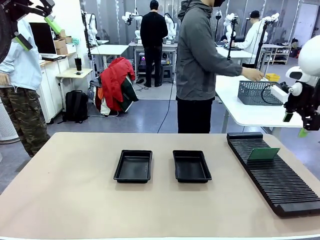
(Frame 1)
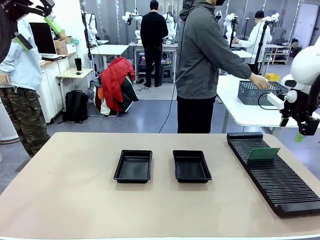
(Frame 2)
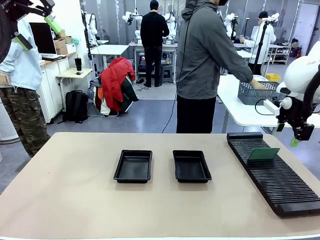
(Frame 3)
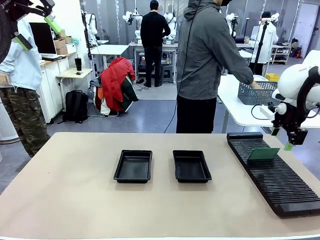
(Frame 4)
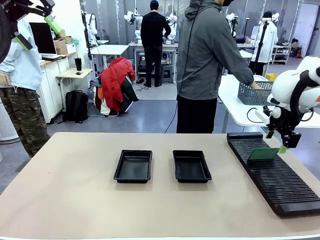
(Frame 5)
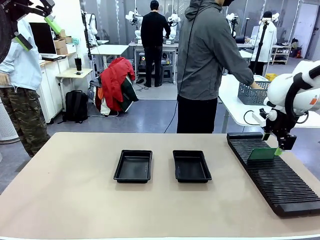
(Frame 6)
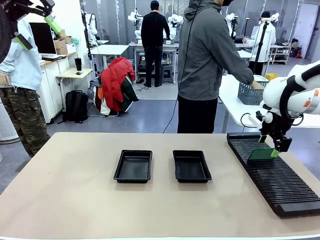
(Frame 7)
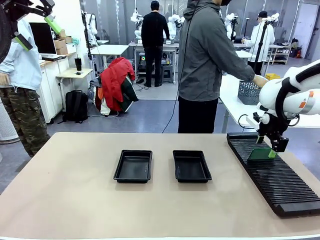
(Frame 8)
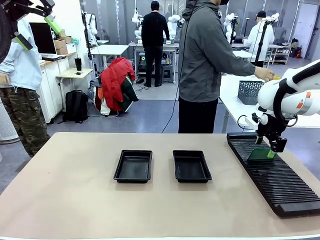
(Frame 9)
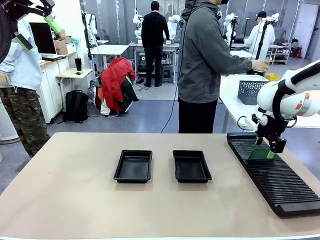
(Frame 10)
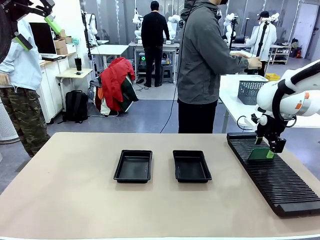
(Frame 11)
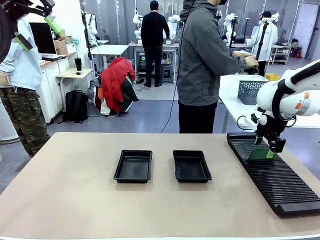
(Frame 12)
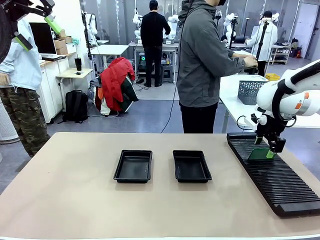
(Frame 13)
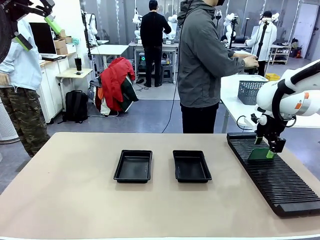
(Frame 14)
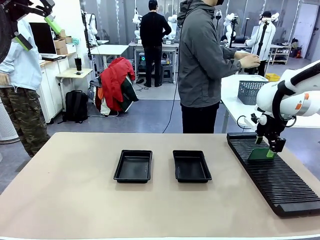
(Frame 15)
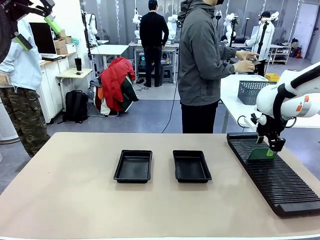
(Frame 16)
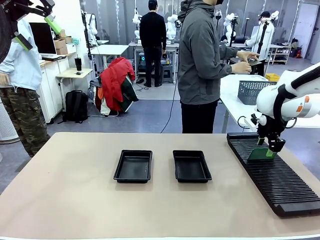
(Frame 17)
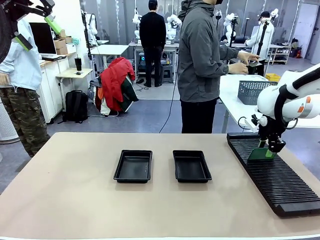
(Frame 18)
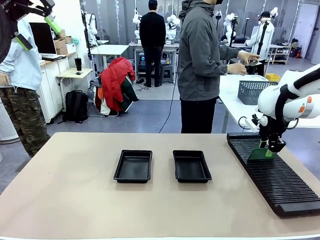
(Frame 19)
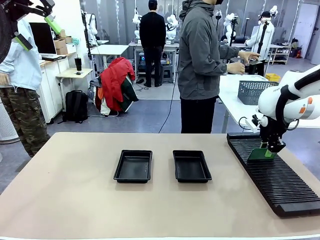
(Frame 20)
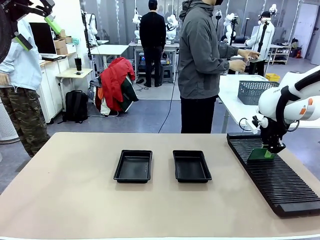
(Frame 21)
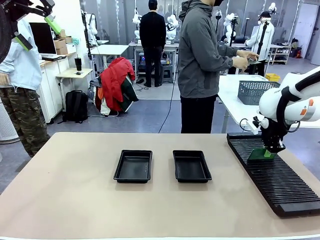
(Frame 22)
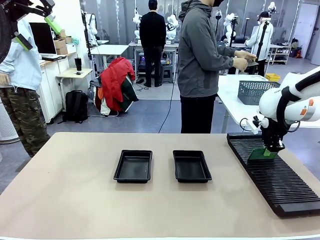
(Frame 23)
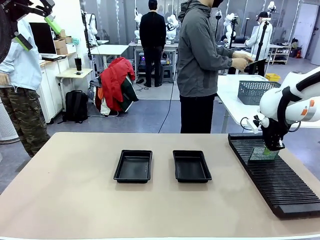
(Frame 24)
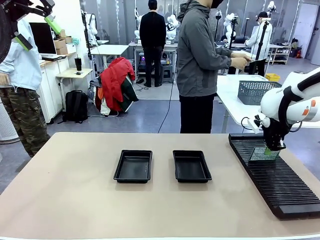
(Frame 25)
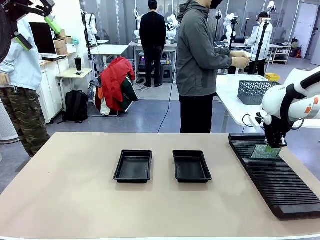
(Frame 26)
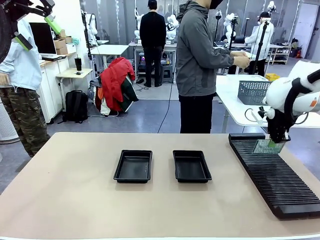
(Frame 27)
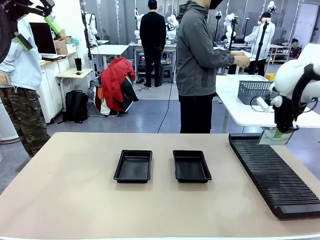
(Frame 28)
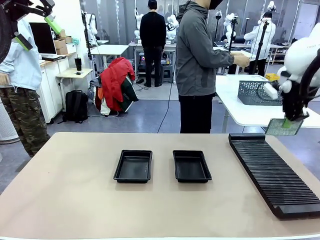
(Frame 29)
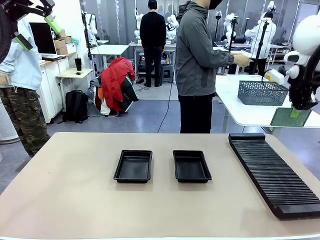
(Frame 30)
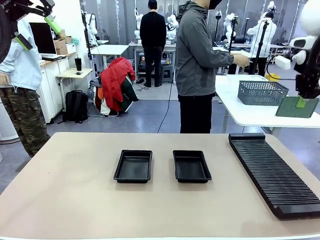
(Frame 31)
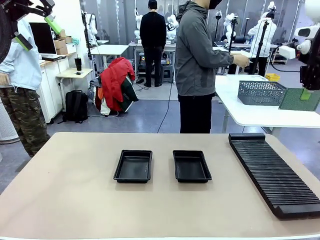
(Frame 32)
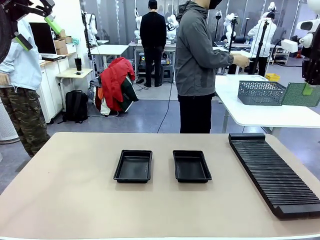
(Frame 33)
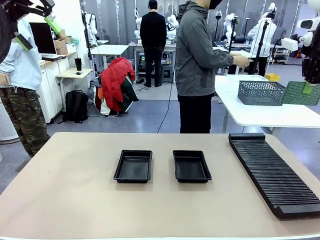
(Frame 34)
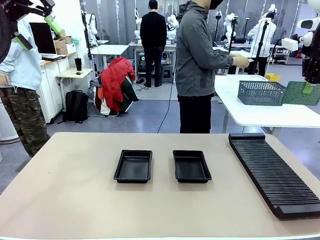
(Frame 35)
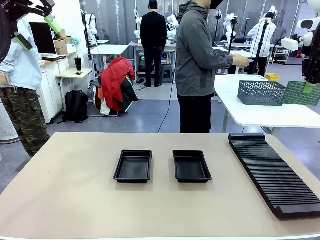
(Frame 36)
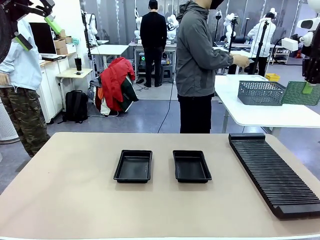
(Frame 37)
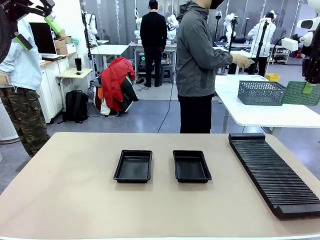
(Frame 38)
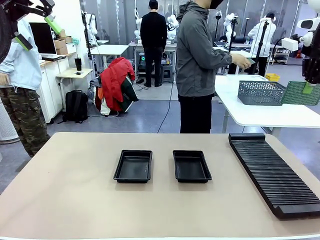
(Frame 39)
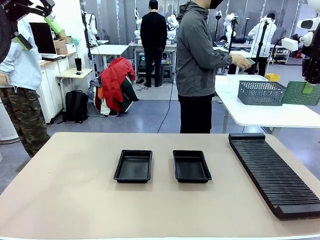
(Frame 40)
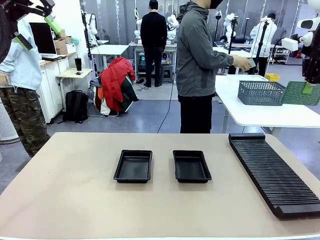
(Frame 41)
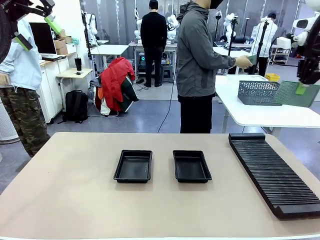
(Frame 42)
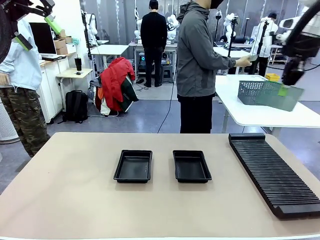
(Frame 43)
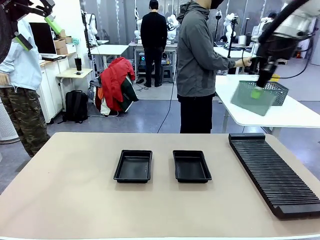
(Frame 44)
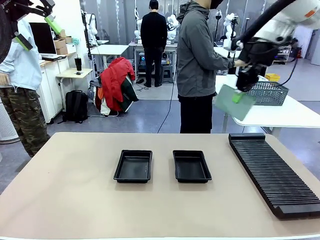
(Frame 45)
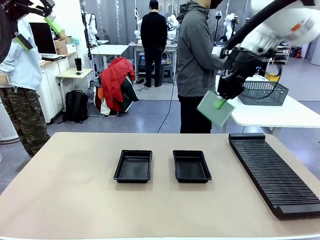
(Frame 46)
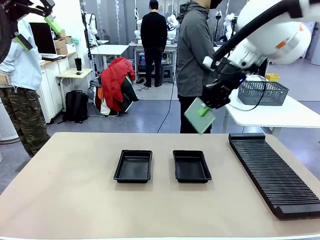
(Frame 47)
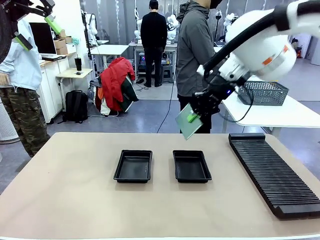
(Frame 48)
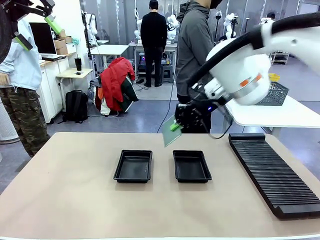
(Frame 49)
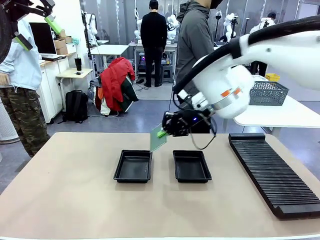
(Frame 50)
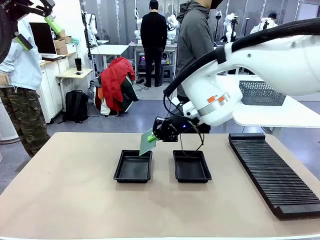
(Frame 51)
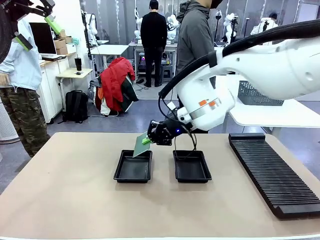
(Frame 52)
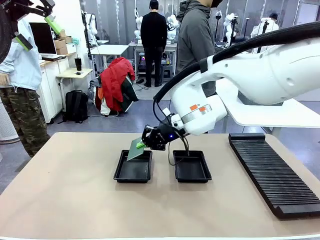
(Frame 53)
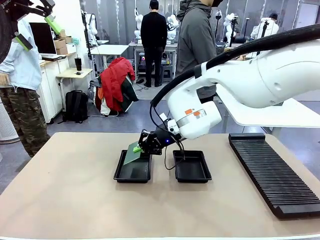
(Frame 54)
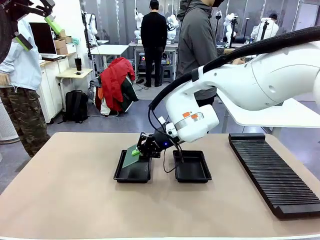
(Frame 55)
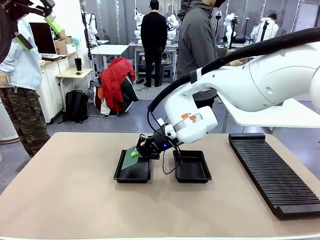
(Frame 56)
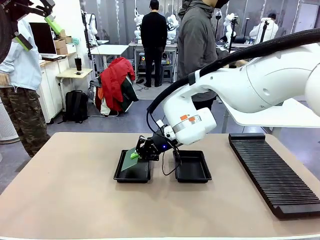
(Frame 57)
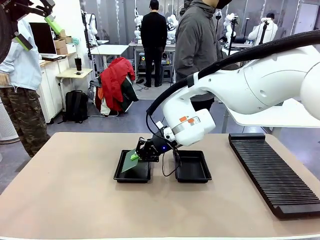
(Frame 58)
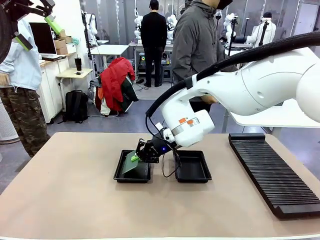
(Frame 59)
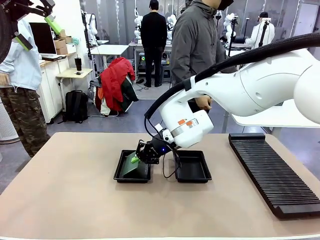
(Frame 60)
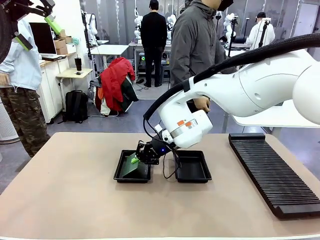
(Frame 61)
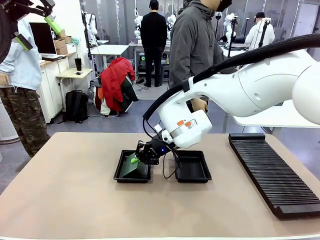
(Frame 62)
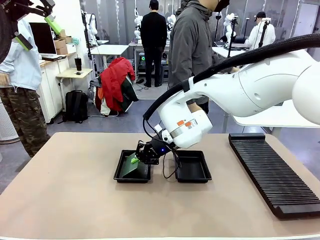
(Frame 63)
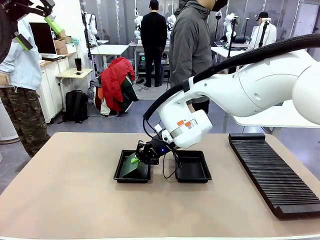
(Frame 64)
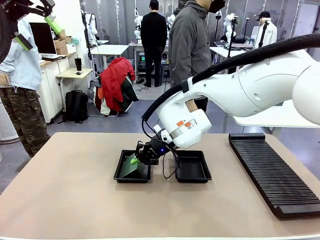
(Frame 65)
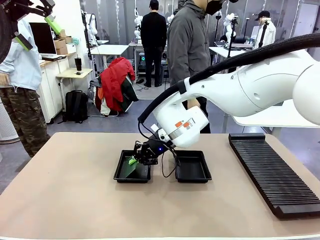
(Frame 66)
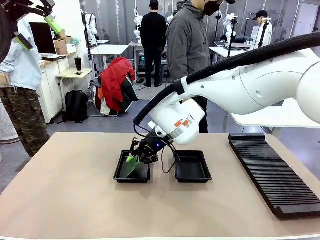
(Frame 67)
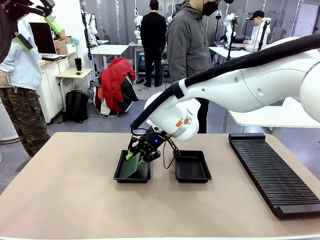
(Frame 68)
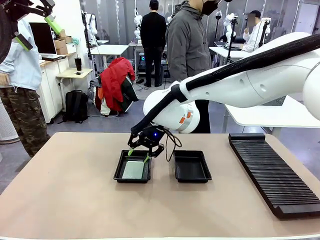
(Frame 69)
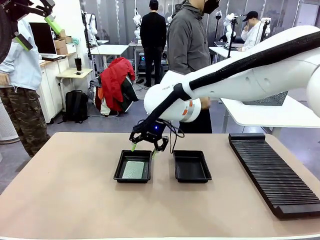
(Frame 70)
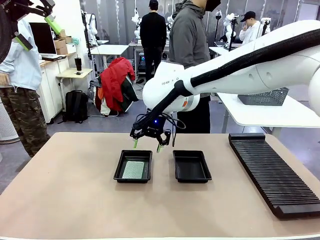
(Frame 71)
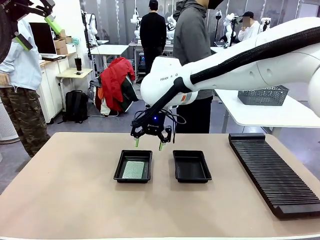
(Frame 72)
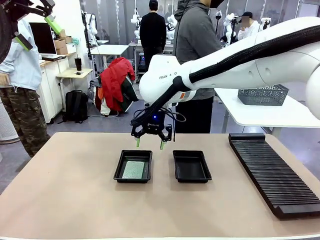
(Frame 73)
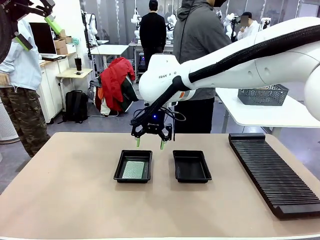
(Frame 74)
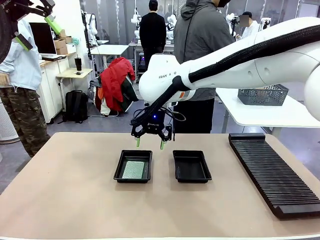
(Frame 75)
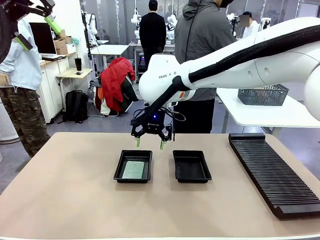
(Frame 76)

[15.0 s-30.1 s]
Task: Inspect and transfer BCBs to ESD trays.
Robot: Pick up the Blank PCB from the PCB Rack and place it in the left ESD tray.
